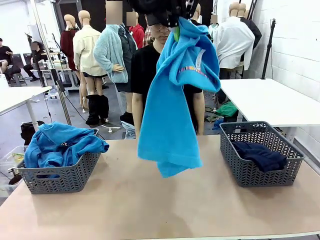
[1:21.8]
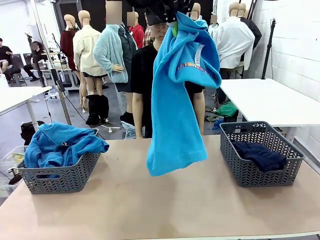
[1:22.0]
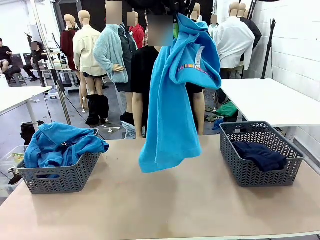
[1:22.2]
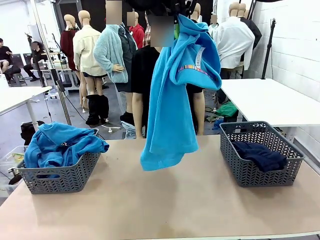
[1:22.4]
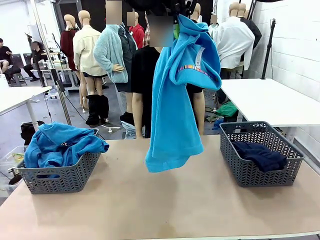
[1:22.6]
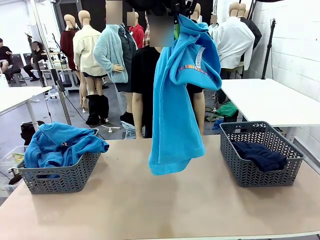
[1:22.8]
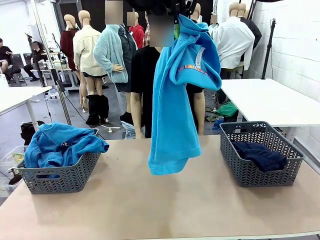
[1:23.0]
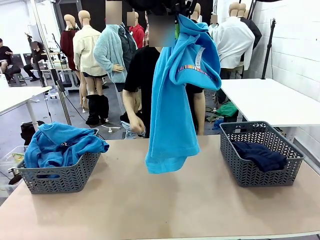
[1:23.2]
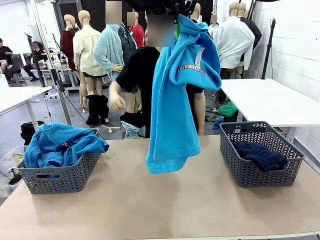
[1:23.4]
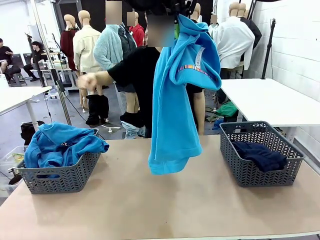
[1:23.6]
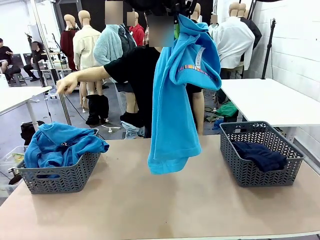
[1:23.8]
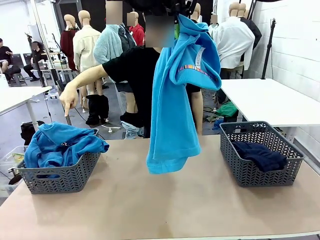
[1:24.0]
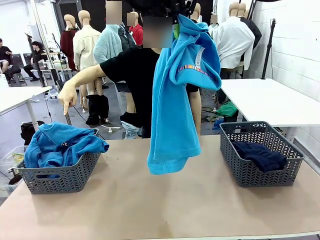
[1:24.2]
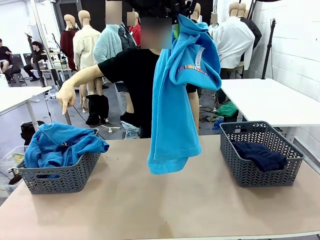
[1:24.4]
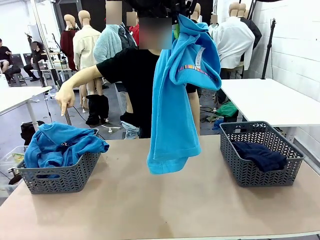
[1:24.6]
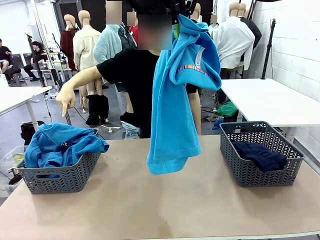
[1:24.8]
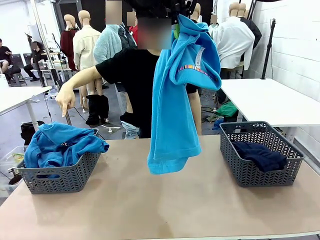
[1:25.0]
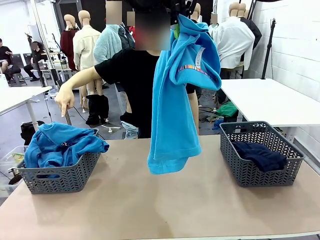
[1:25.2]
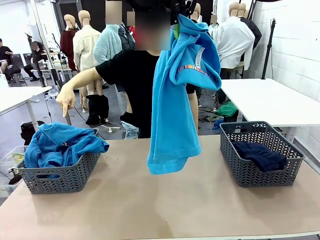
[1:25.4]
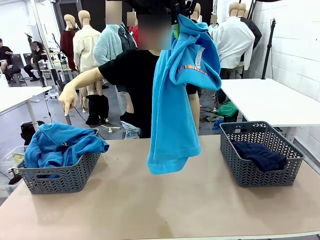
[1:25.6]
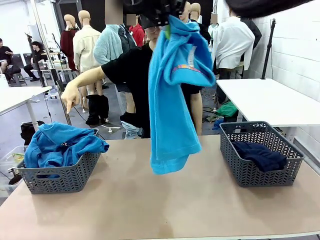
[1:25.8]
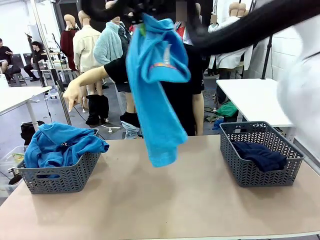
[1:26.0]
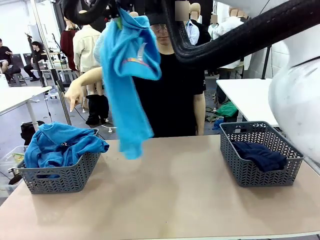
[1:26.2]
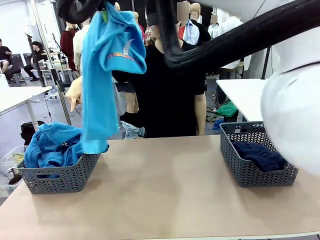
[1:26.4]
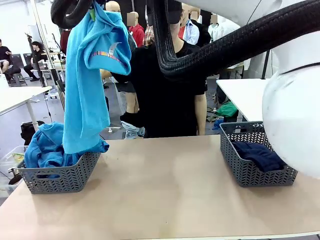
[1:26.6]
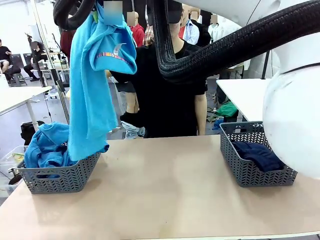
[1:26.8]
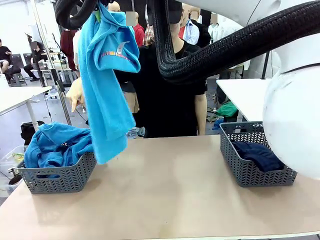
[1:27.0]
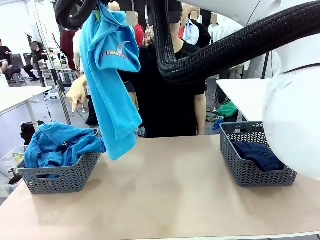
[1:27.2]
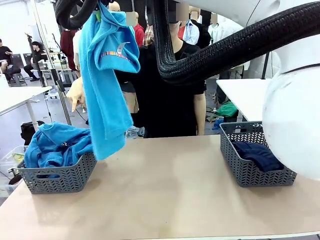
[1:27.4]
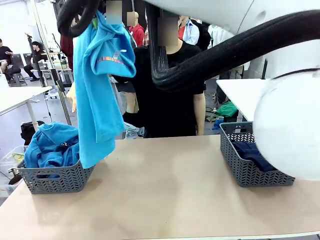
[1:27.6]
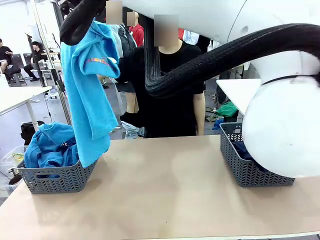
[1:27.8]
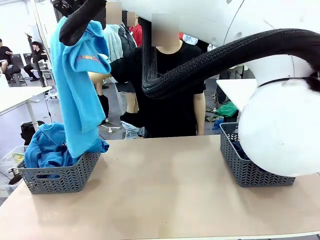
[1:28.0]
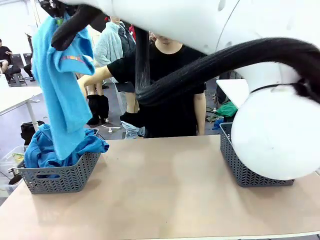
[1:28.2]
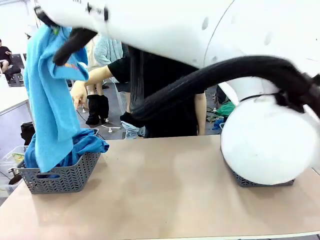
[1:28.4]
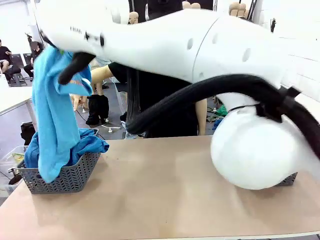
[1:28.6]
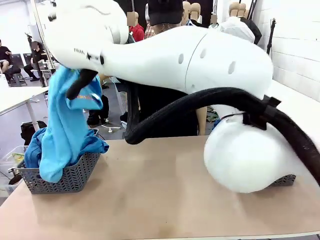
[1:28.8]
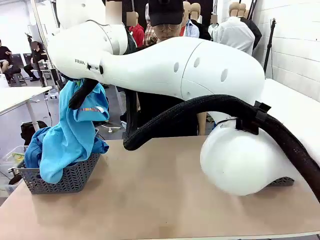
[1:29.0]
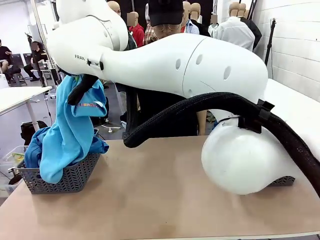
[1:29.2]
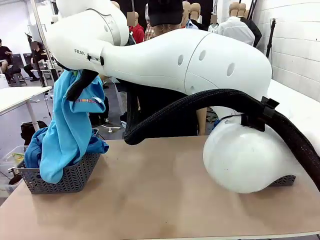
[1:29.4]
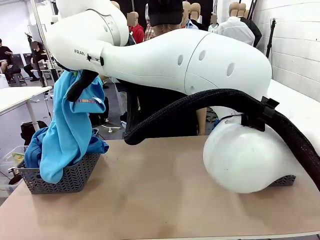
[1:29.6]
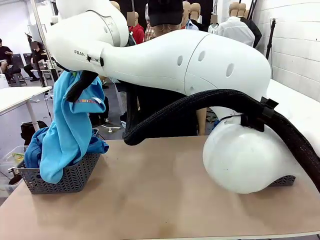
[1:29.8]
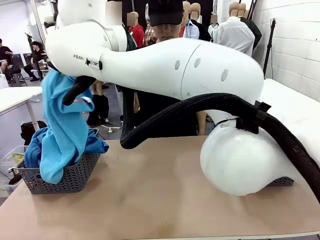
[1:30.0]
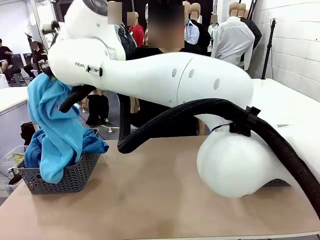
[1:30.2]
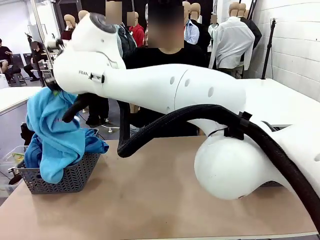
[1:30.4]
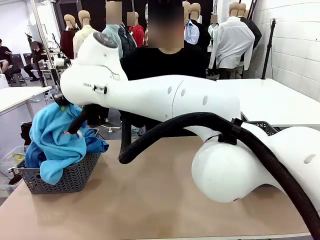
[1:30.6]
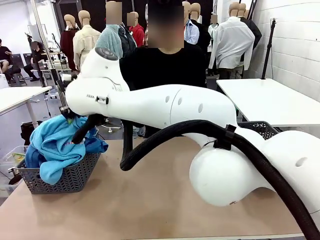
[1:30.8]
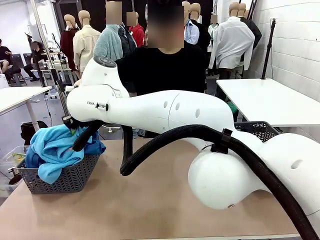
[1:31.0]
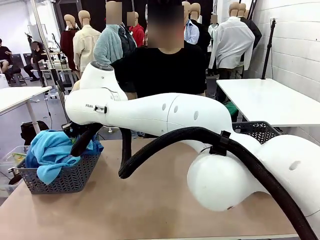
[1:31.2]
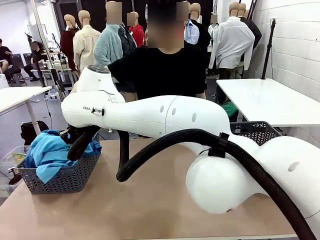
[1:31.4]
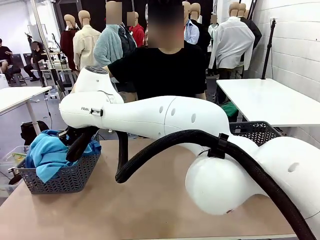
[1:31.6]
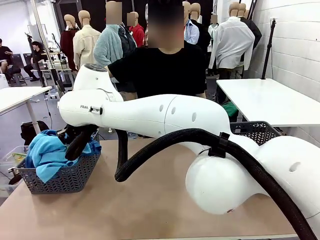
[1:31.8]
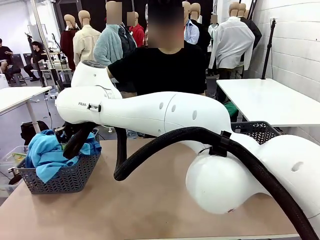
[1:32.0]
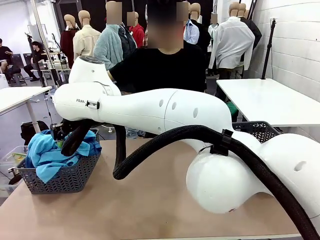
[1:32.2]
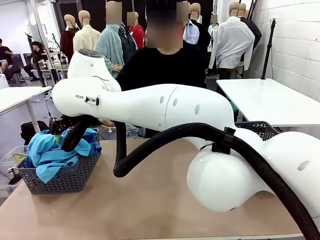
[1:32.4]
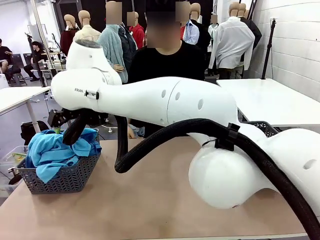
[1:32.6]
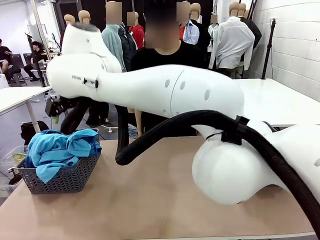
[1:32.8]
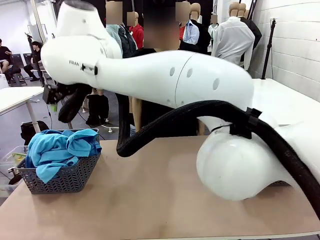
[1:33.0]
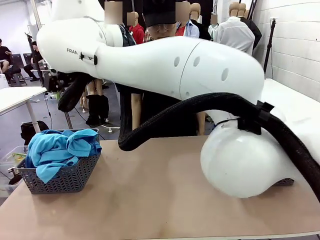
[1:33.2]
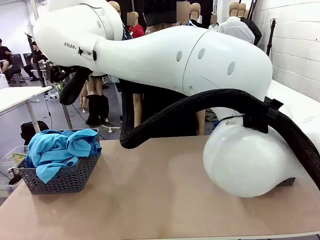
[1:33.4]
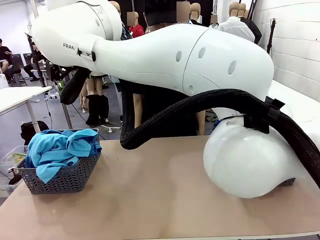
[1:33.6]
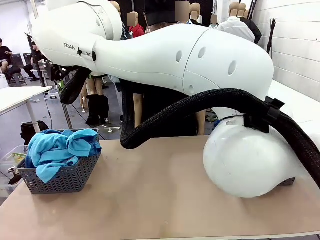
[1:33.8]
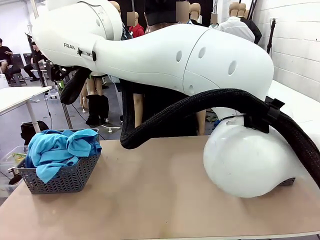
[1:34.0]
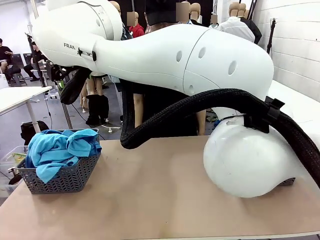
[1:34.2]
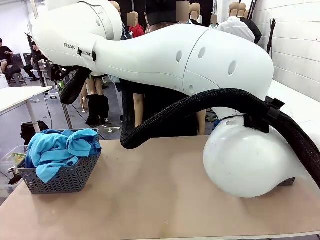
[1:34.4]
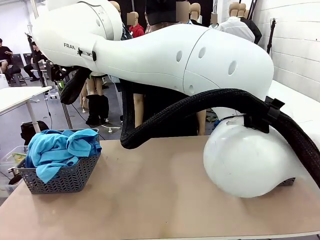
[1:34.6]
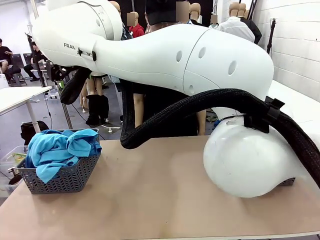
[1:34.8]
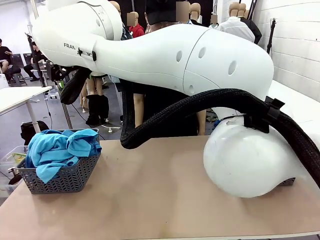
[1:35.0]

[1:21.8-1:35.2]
Task: Sort the tops and bottoms.
Robot: Sort the clothes according to human instructions.

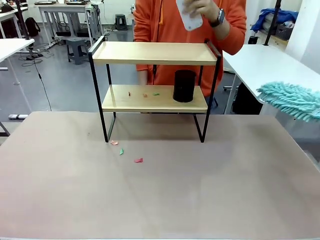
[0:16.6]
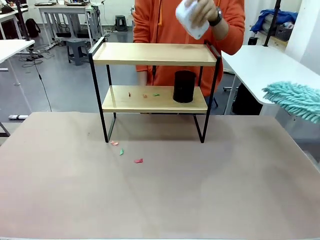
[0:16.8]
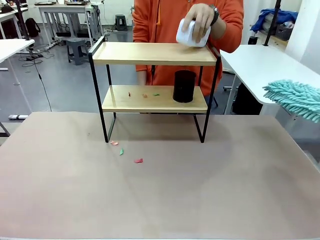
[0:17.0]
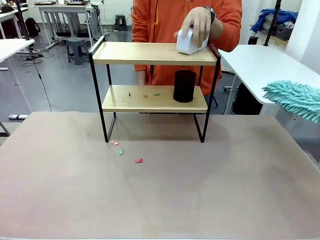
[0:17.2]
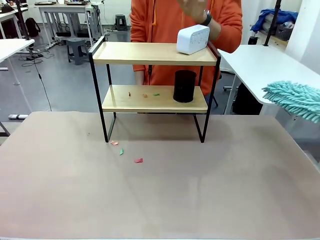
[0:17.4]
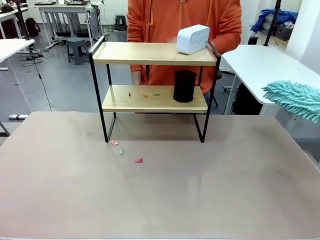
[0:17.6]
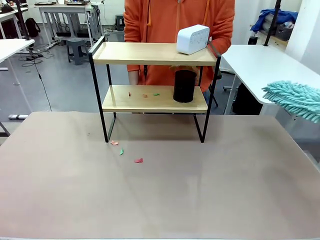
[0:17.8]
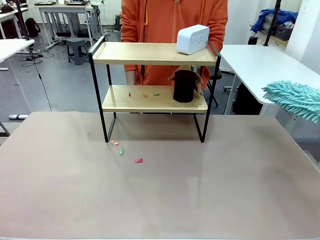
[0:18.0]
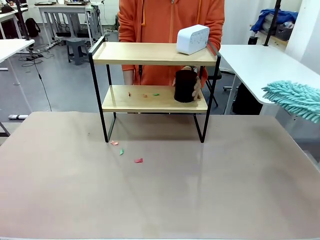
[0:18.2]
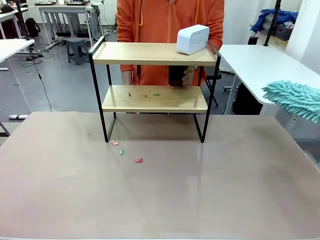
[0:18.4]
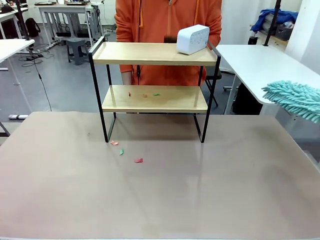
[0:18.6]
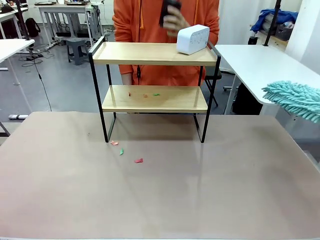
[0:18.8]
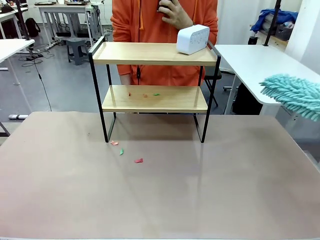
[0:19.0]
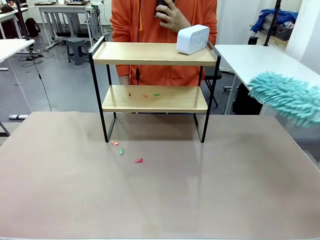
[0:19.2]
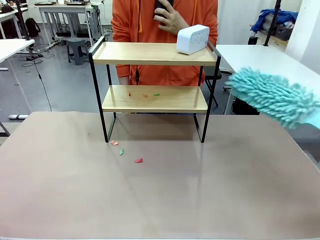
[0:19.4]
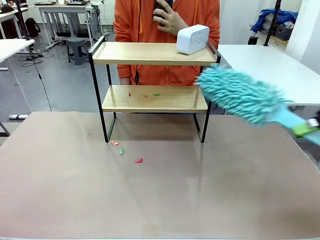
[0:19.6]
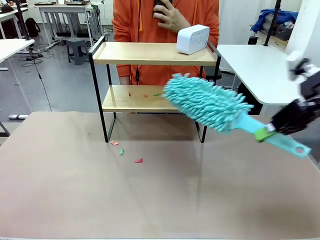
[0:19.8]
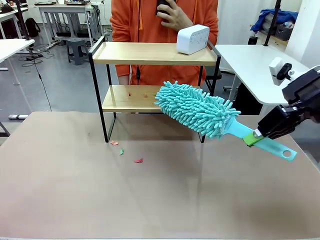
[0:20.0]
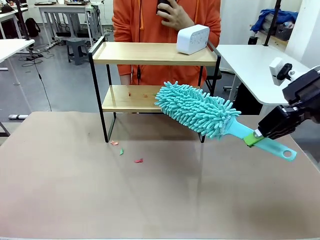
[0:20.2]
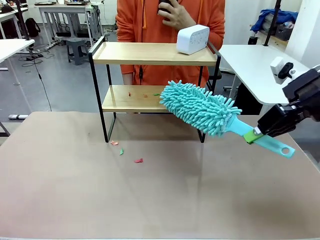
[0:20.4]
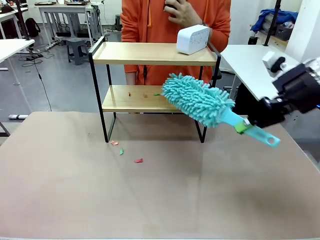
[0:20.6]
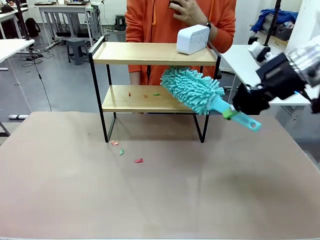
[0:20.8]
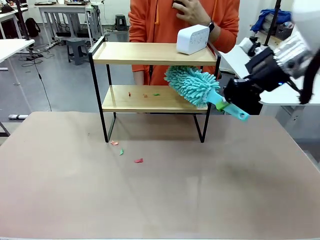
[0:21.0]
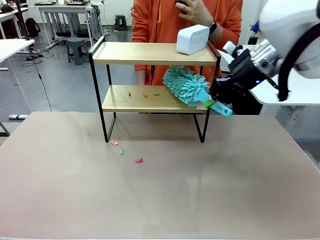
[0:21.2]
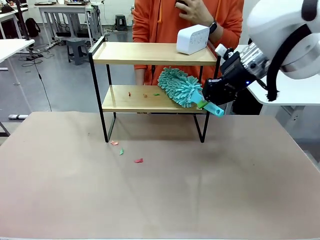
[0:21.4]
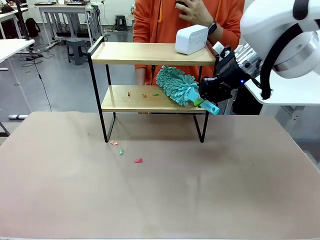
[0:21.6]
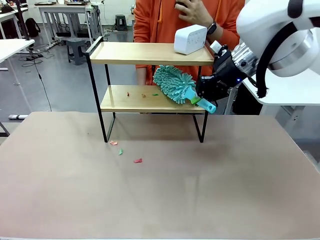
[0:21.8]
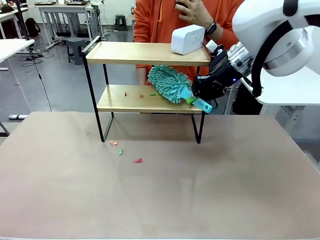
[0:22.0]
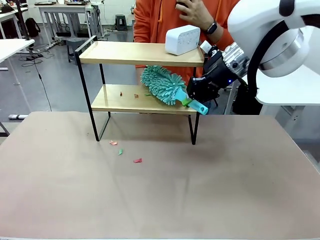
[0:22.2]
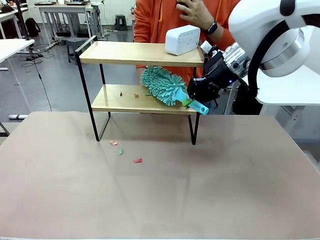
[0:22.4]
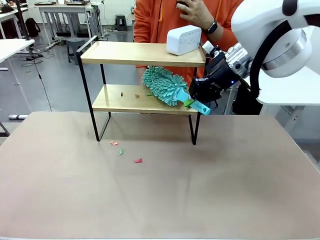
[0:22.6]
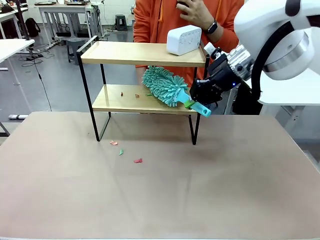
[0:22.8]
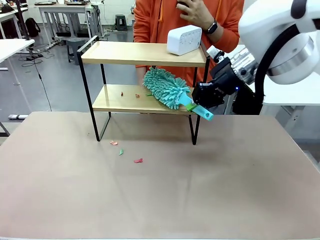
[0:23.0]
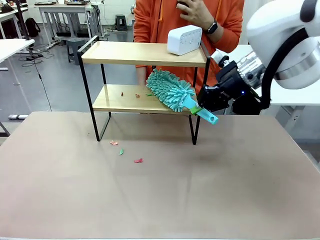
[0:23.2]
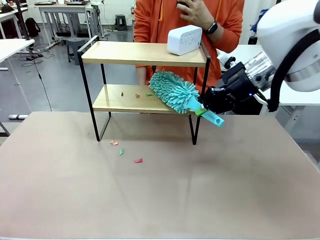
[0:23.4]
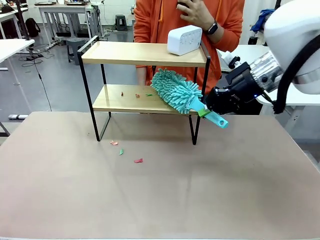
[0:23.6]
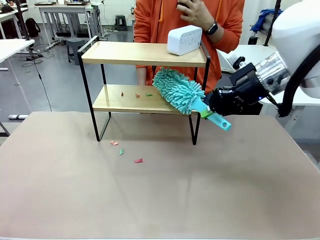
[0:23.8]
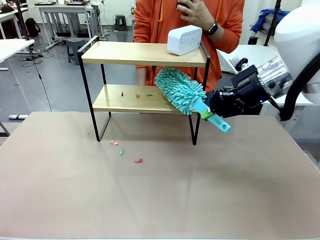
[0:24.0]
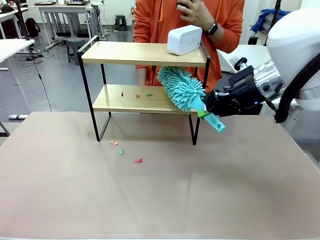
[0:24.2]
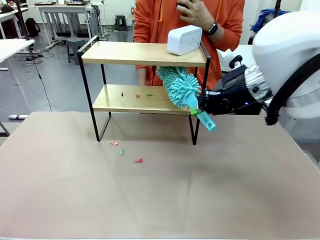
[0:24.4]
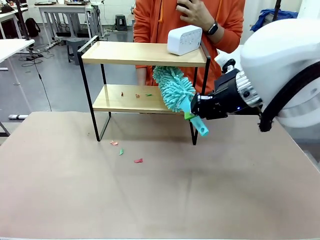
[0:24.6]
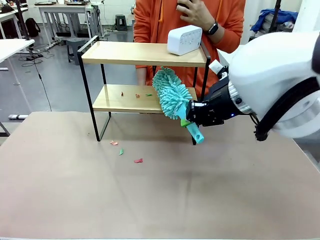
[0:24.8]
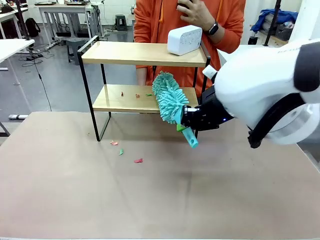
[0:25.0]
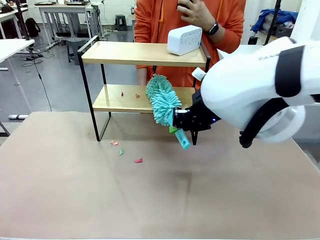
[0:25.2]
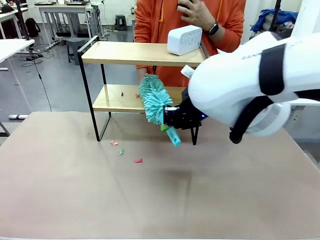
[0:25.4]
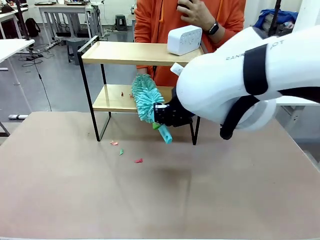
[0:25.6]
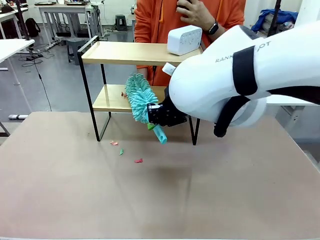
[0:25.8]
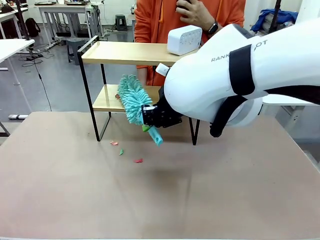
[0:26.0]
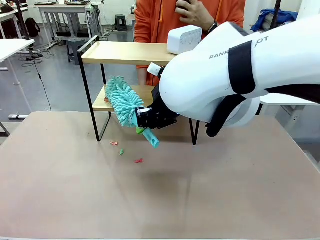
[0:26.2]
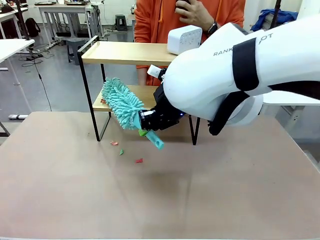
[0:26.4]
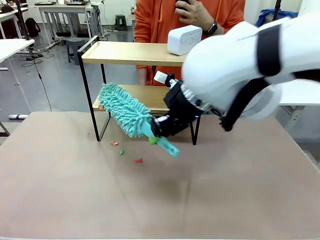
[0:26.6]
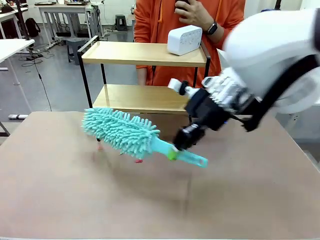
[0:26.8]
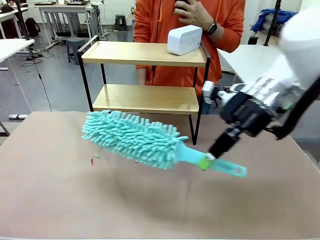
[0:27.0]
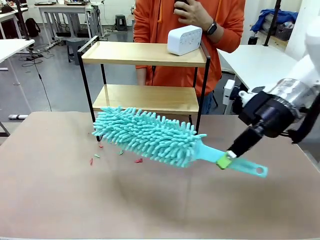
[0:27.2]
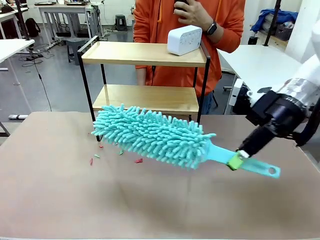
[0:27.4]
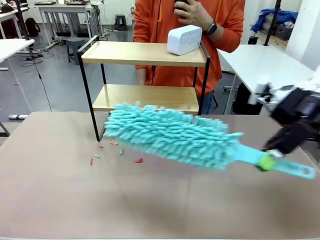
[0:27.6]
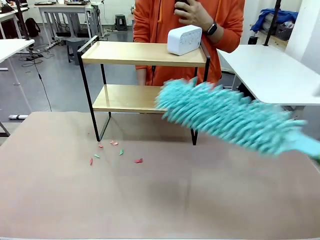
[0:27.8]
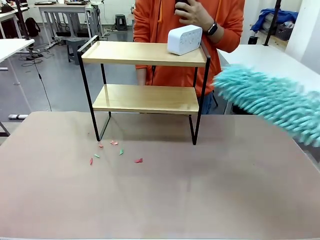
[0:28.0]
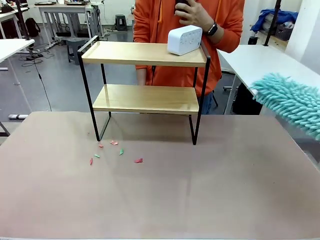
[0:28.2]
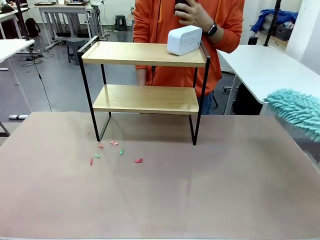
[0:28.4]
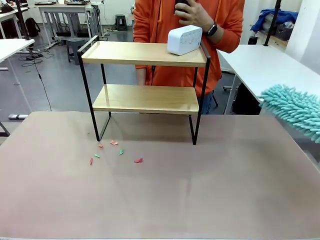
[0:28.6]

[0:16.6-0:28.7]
Task: Clean the shelf.
Robot: Clean the remaining tier of the Shelf with the Duster once objects are removed.
